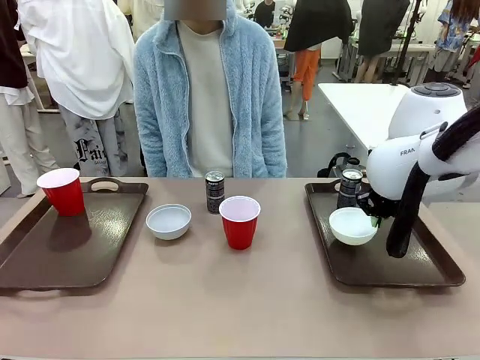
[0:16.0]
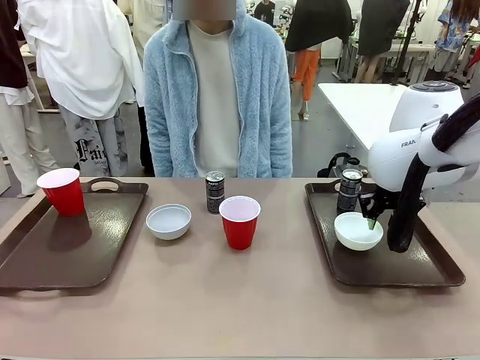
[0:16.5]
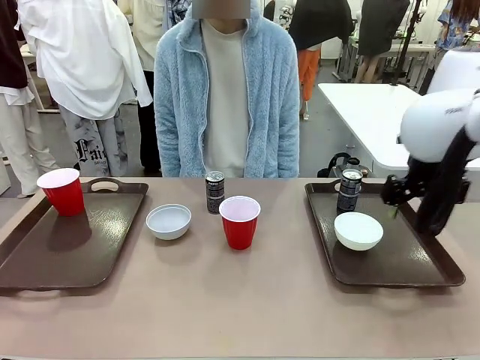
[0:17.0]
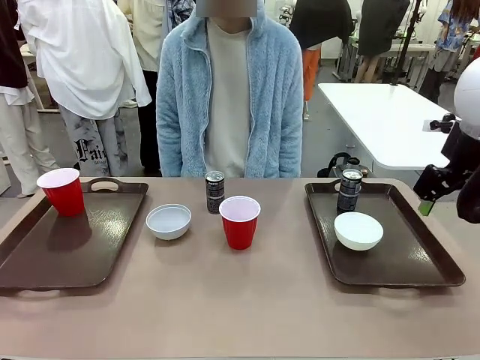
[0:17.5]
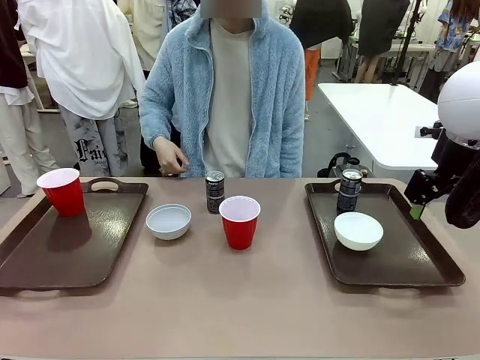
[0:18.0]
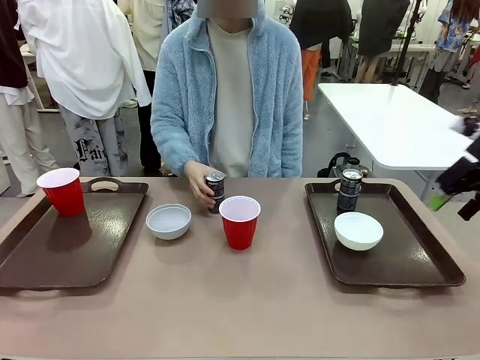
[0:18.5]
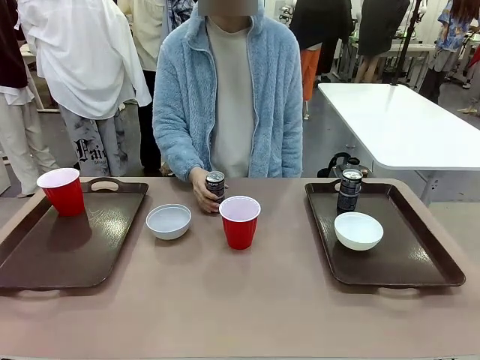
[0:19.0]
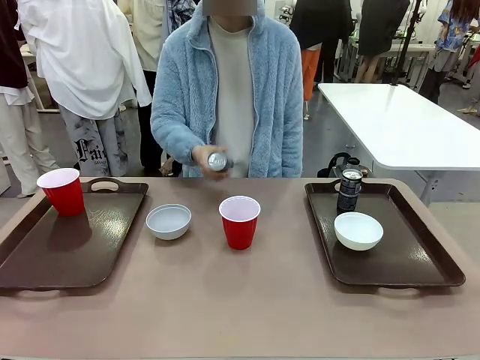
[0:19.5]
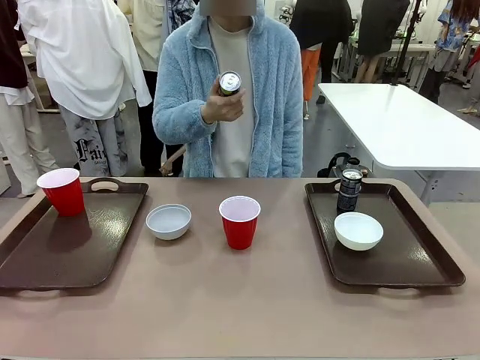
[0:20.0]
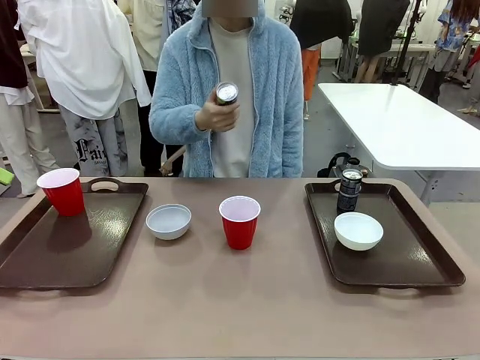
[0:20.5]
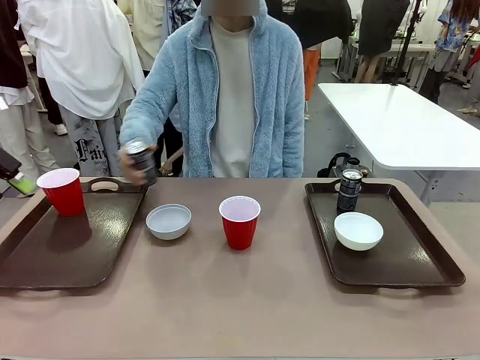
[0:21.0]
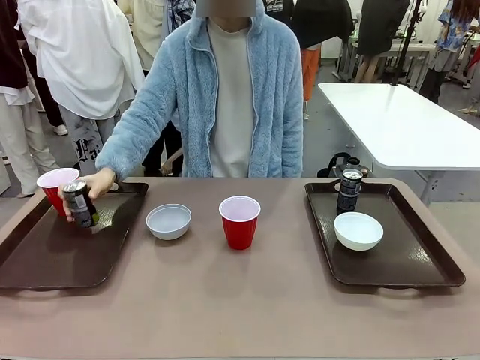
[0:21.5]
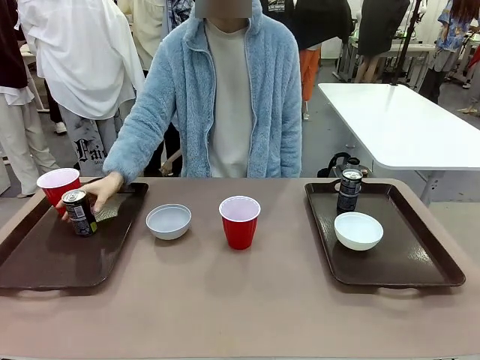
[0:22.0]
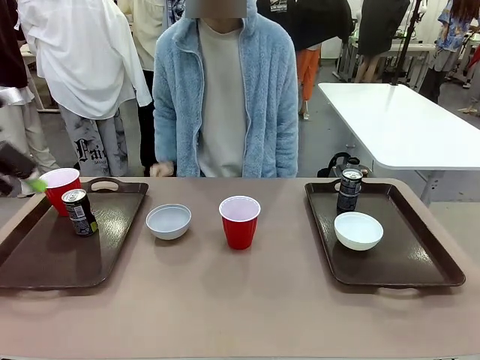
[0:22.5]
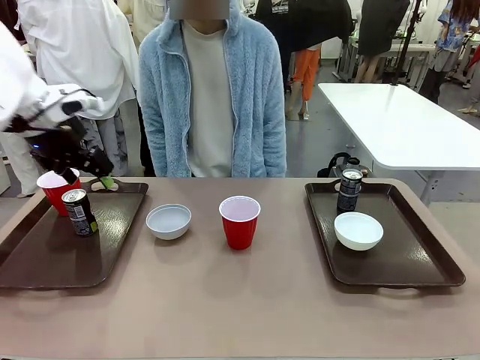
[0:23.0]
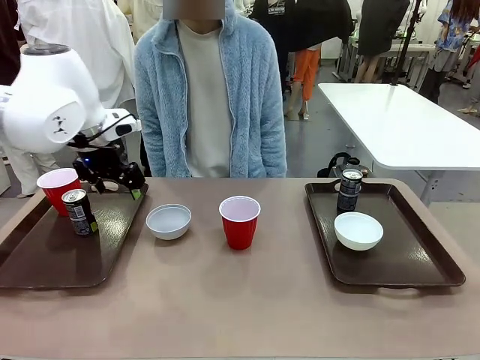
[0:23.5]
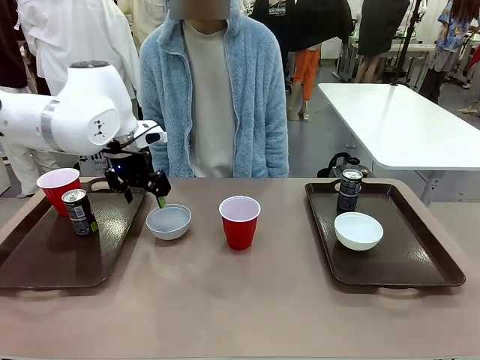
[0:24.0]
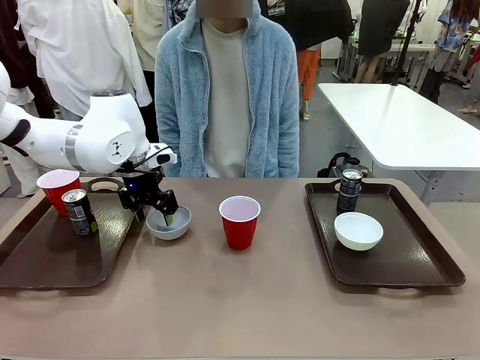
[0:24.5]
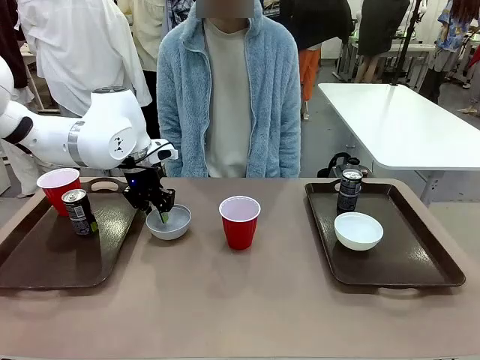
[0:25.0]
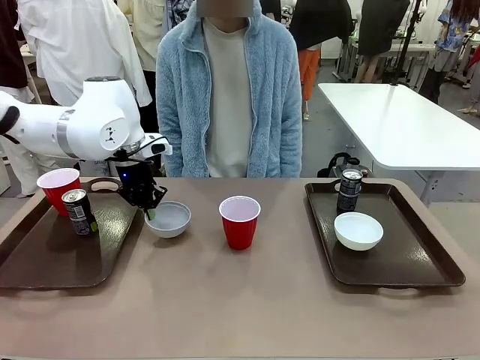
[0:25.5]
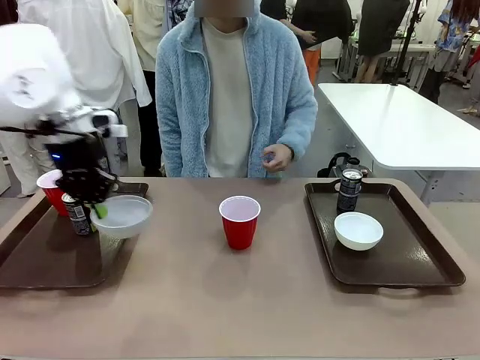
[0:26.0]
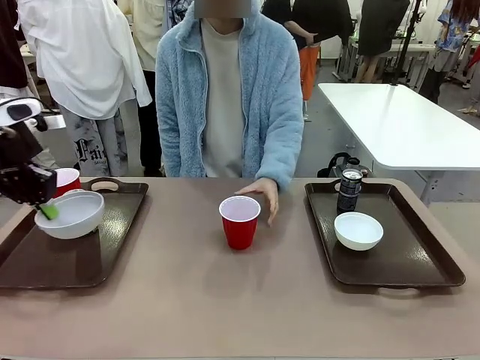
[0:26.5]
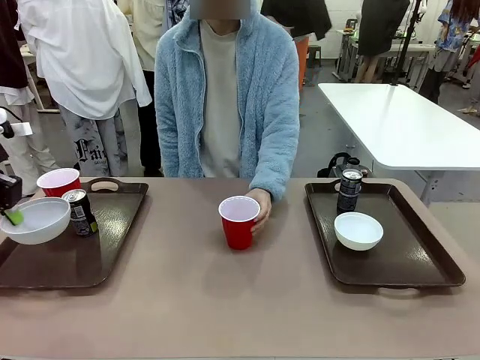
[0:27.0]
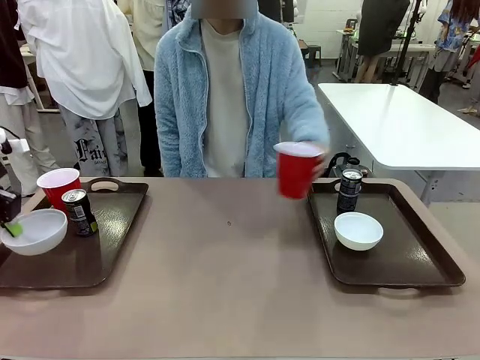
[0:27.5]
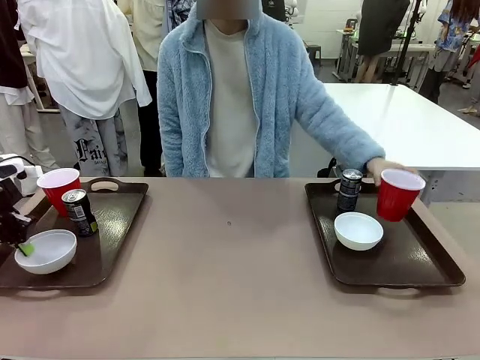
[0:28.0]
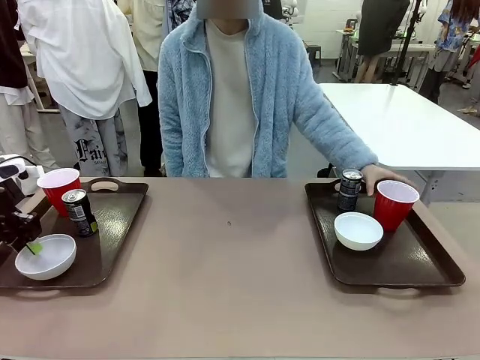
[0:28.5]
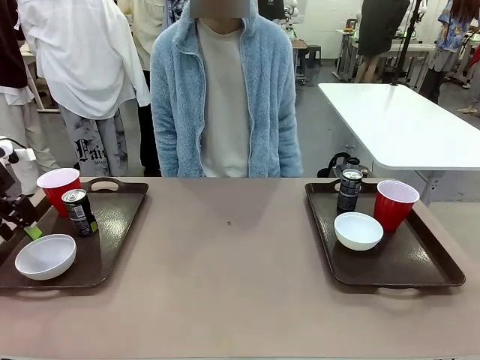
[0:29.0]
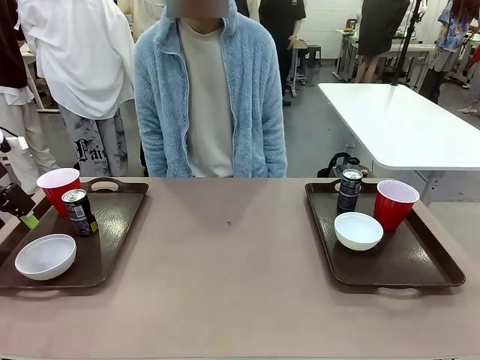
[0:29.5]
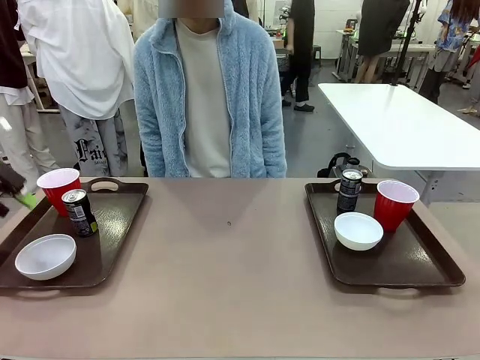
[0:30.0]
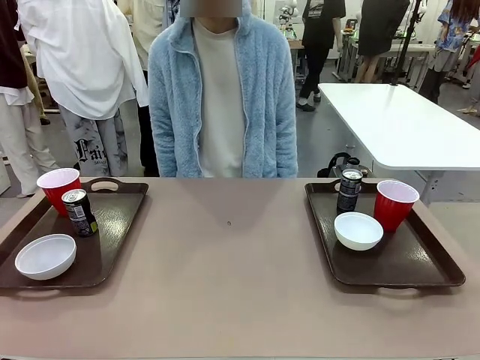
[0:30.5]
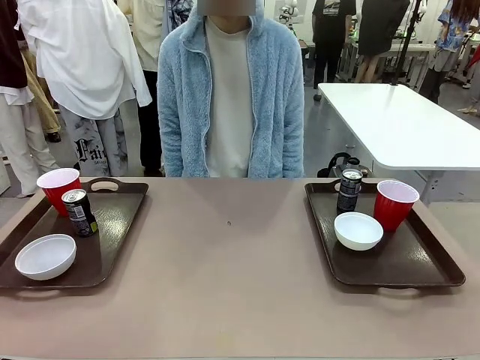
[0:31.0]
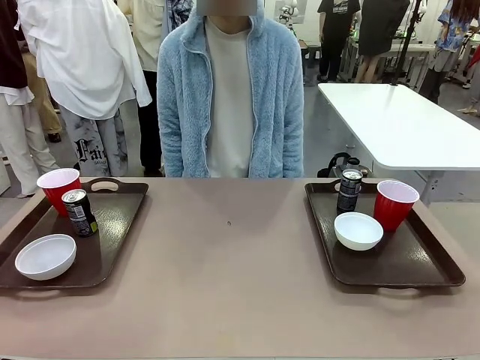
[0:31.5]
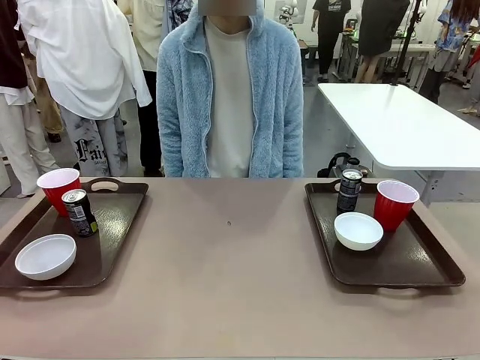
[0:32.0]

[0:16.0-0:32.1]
Task: Prepare tableware on both trays.
Robot: Pick up a Picnic Bowl from the table and place it on a Handle tray.
Person: Pick up a can or cup and place it on the tray without a can or cup.

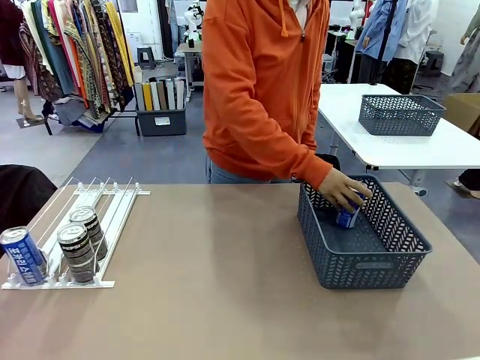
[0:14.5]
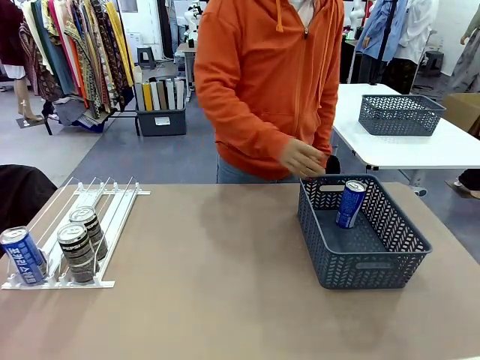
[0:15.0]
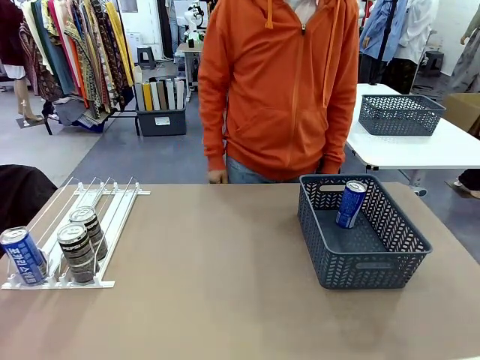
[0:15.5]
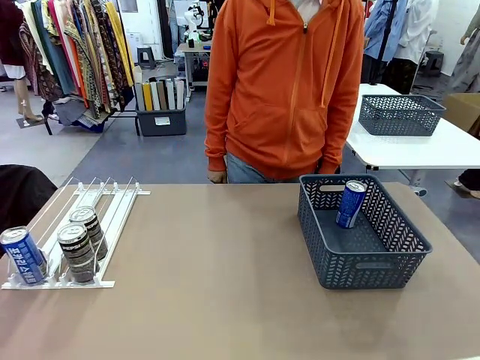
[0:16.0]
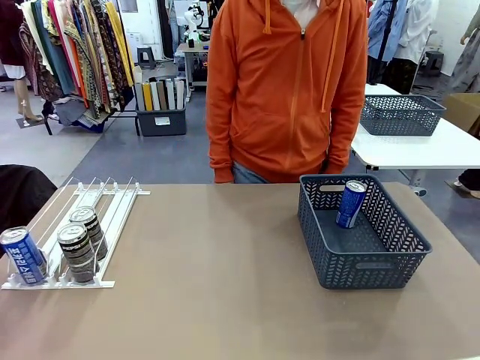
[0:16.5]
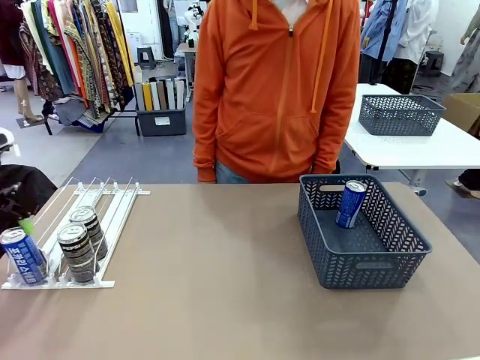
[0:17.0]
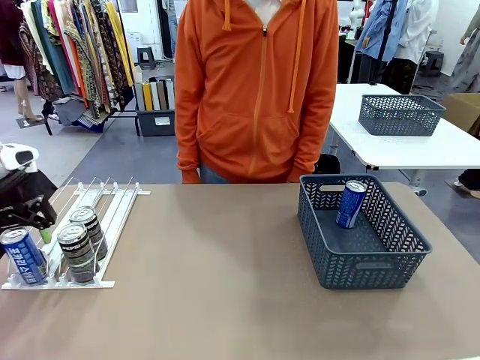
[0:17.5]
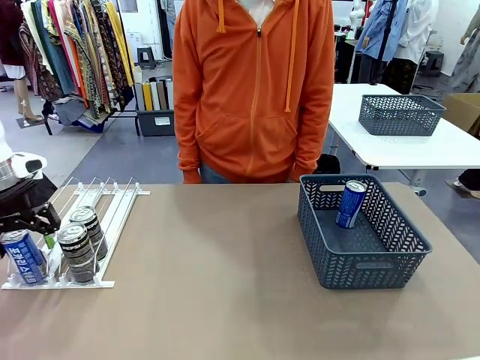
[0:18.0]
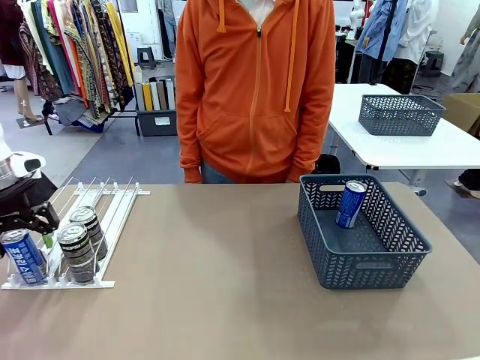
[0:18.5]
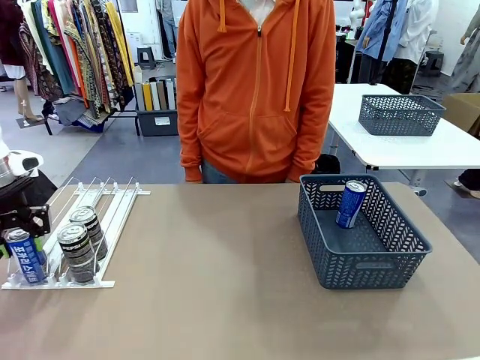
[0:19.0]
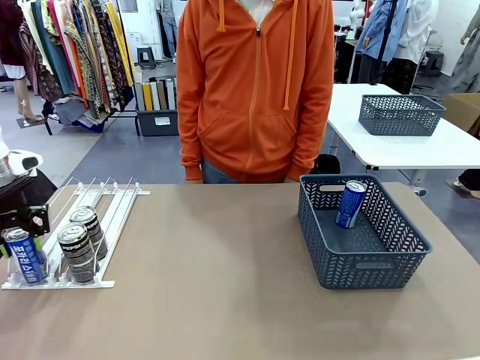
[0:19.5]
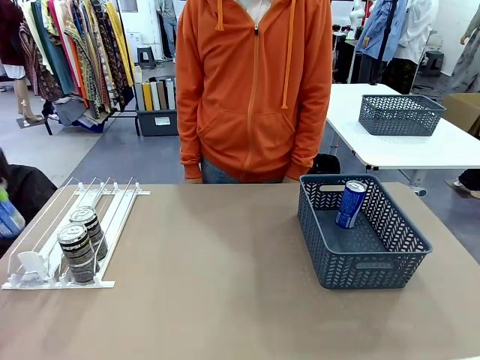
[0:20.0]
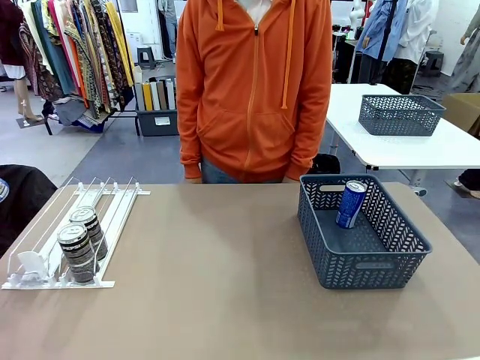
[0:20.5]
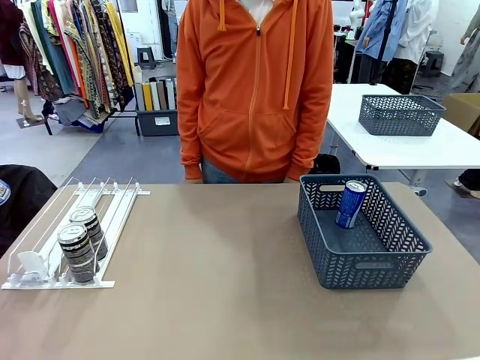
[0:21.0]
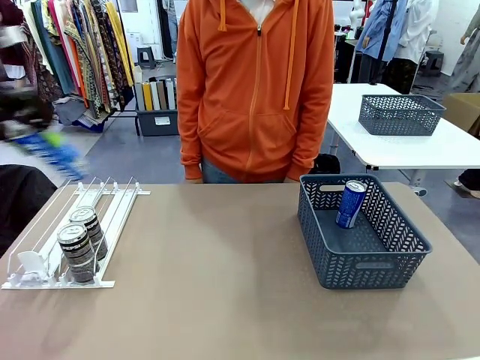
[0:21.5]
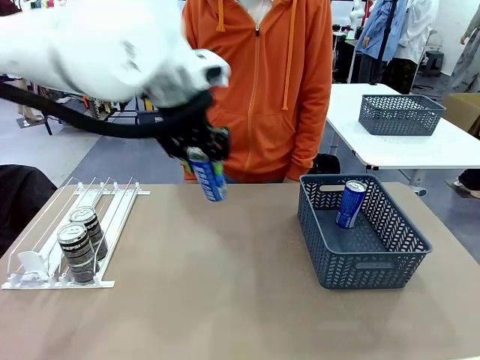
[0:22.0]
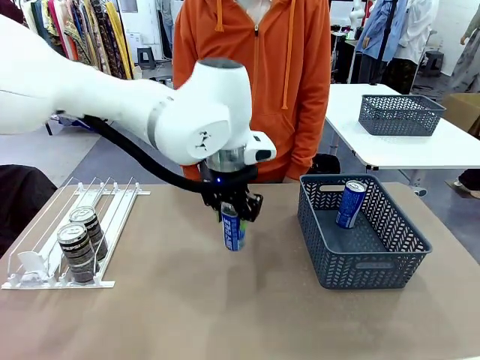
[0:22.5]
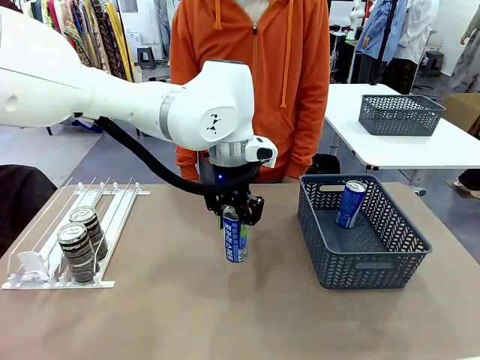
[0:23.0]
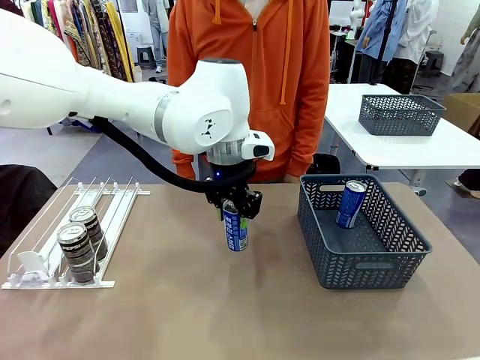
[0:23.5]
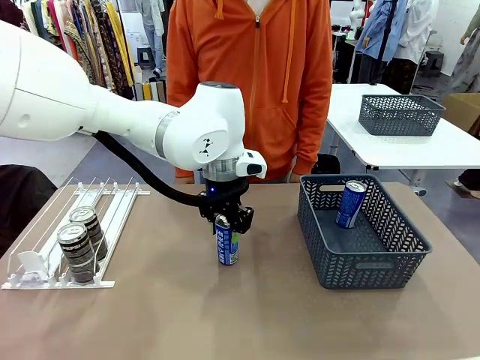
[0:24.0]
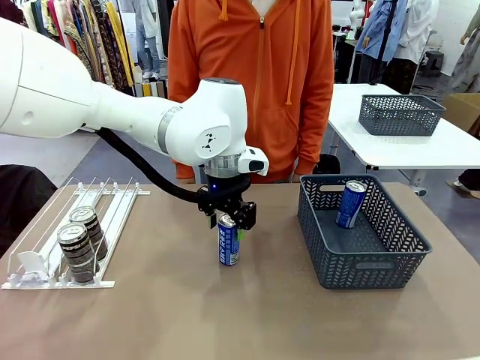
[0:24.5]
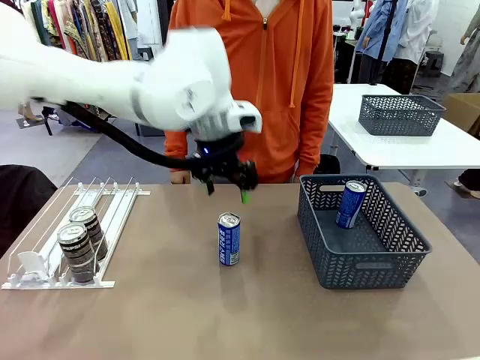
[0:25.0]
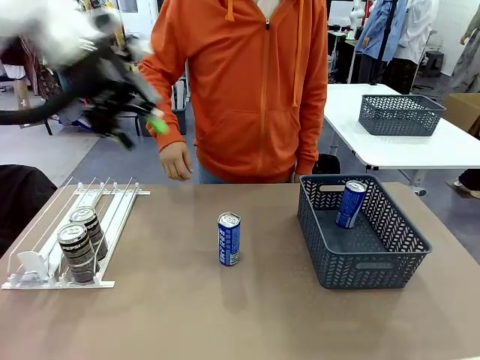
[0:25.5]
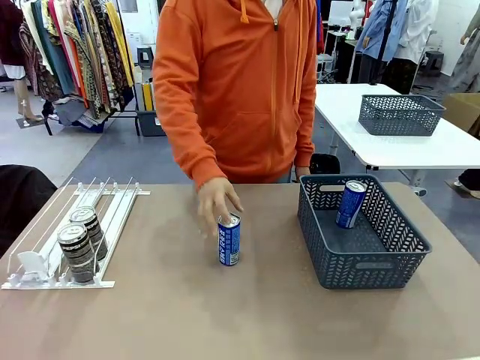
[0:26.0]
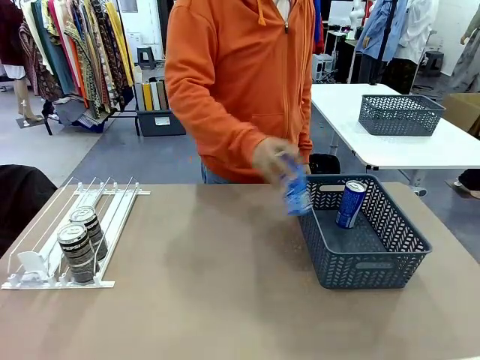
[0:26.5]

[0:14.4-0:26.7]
Task: Retrieve and store the cans from the dispenser.
Robot: Pick up the last remaining can from one row of the Automatic Can Dispenser and place it in the middle of the table.
Person: Pick up one Pepsi can from the middle of the robot table and place it in the basket.
